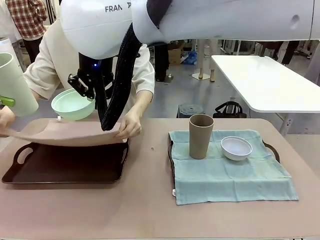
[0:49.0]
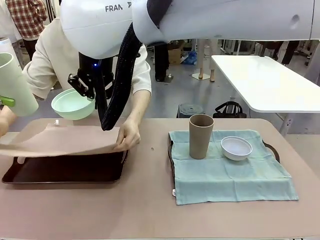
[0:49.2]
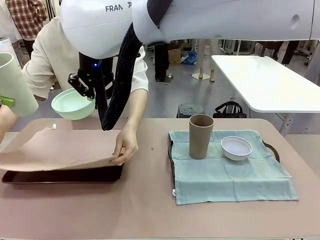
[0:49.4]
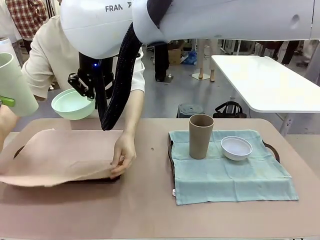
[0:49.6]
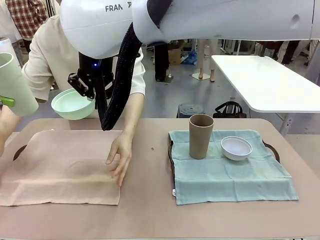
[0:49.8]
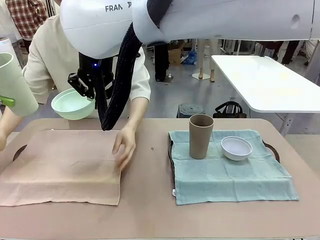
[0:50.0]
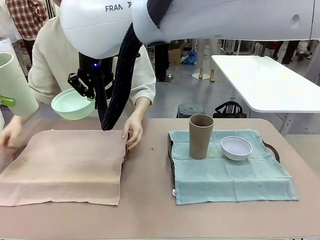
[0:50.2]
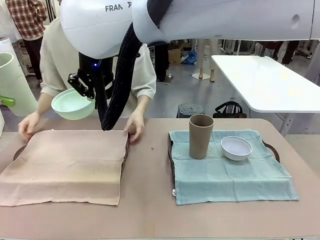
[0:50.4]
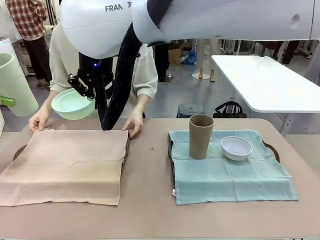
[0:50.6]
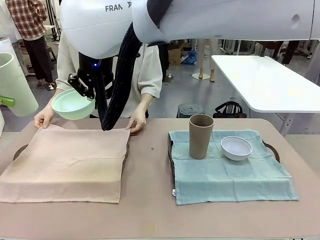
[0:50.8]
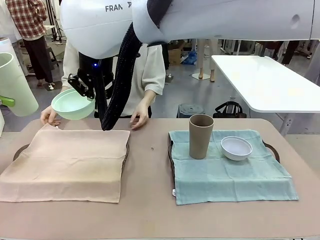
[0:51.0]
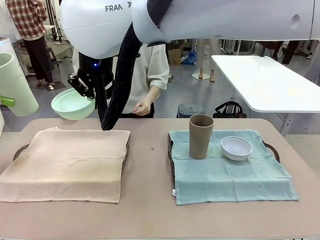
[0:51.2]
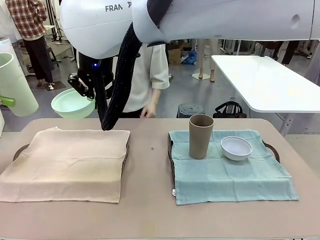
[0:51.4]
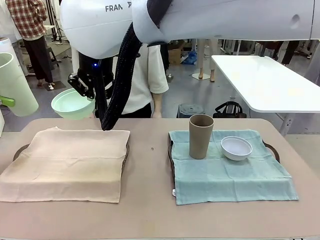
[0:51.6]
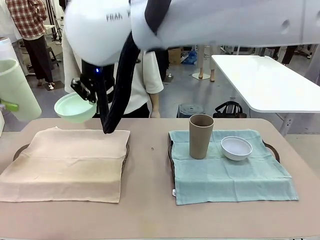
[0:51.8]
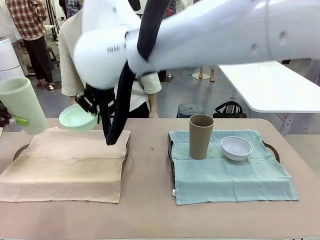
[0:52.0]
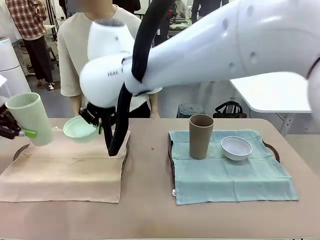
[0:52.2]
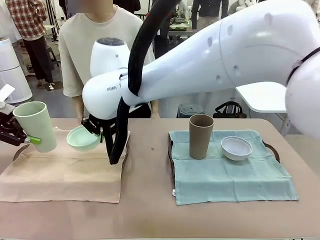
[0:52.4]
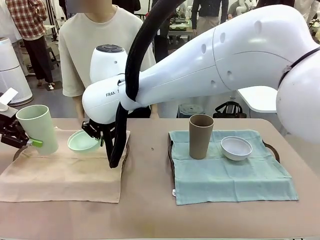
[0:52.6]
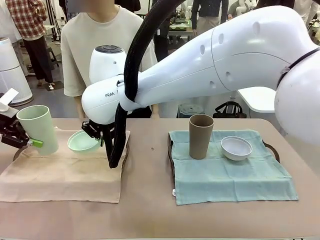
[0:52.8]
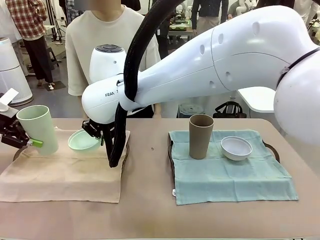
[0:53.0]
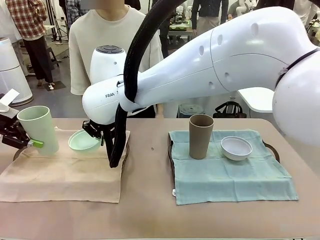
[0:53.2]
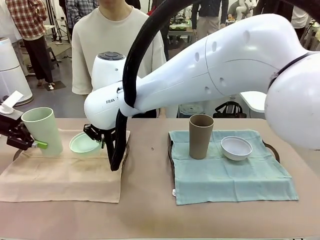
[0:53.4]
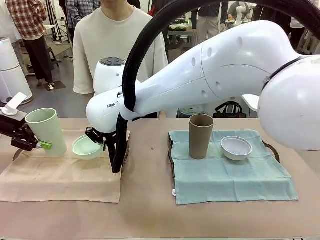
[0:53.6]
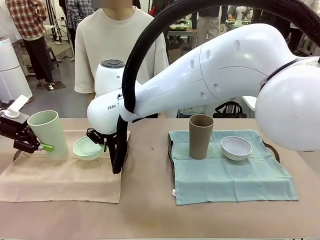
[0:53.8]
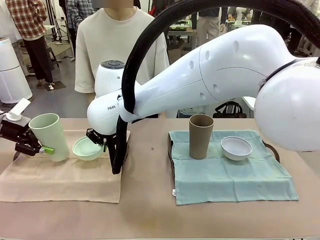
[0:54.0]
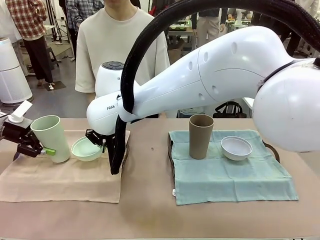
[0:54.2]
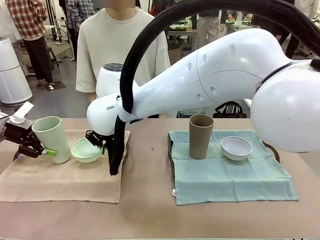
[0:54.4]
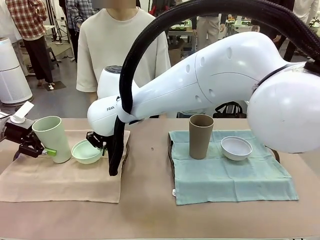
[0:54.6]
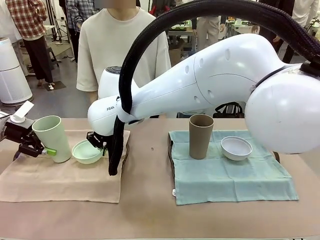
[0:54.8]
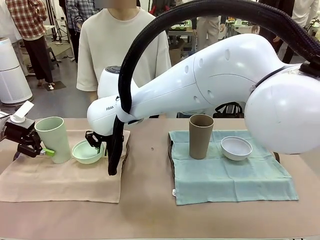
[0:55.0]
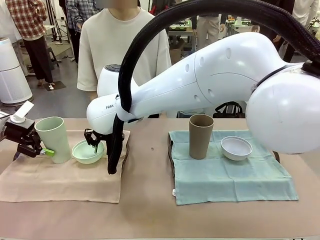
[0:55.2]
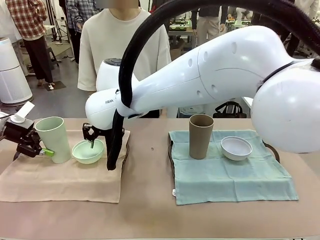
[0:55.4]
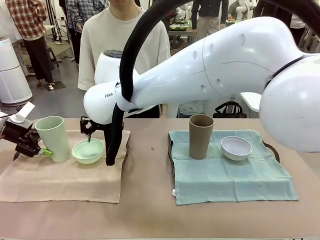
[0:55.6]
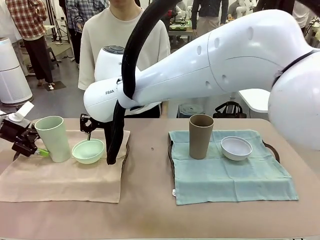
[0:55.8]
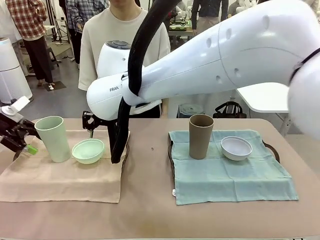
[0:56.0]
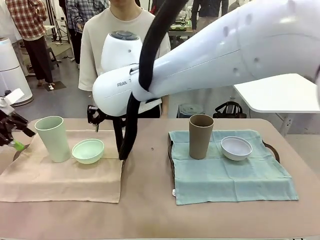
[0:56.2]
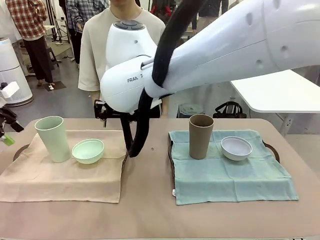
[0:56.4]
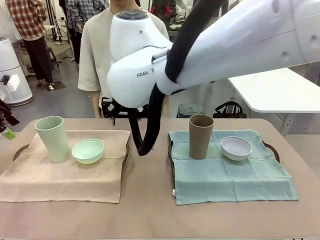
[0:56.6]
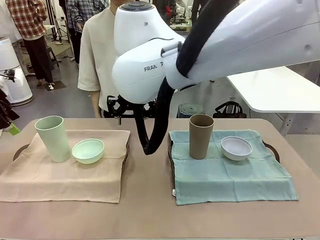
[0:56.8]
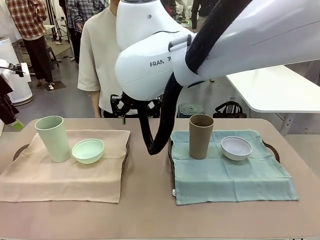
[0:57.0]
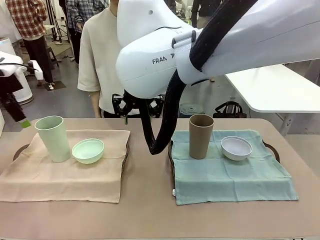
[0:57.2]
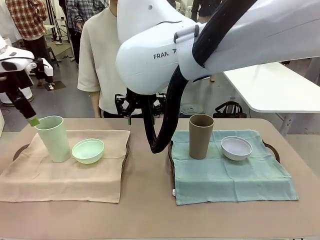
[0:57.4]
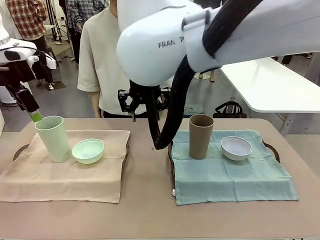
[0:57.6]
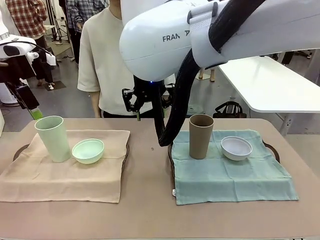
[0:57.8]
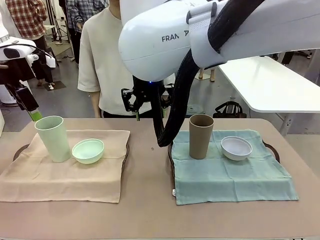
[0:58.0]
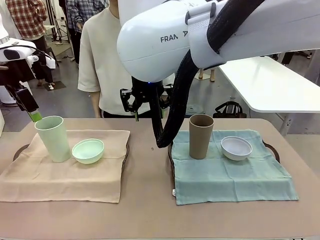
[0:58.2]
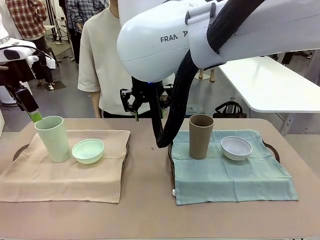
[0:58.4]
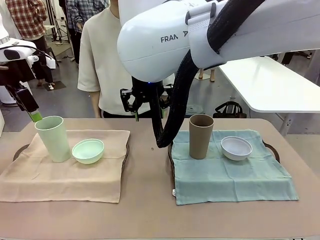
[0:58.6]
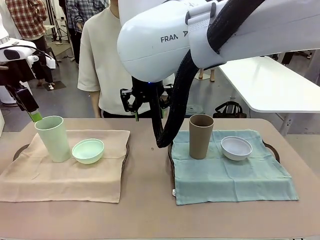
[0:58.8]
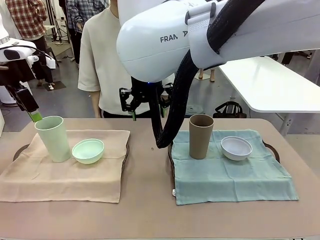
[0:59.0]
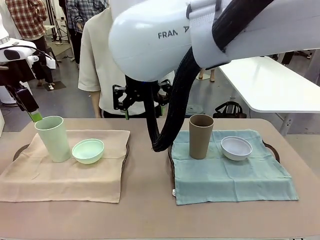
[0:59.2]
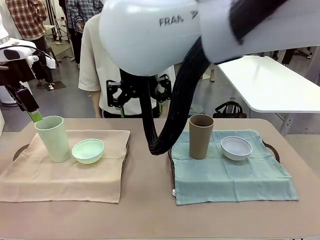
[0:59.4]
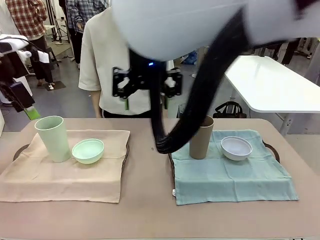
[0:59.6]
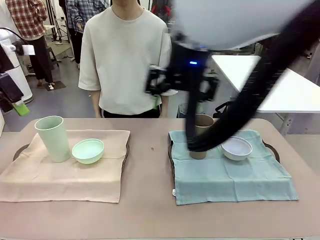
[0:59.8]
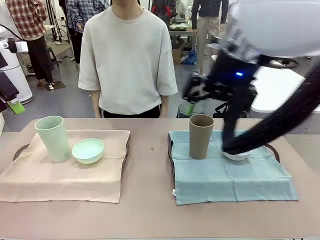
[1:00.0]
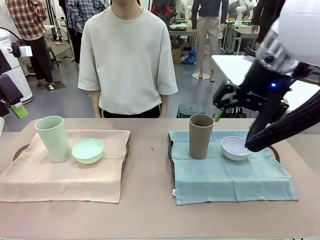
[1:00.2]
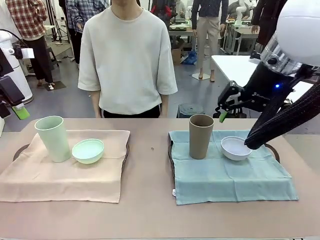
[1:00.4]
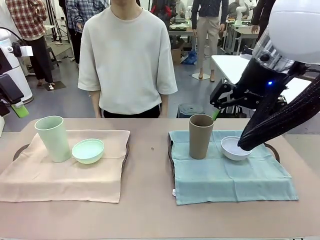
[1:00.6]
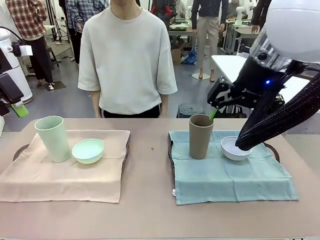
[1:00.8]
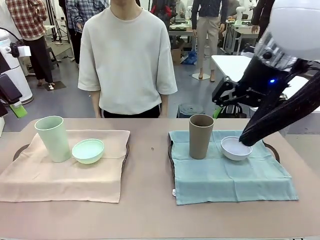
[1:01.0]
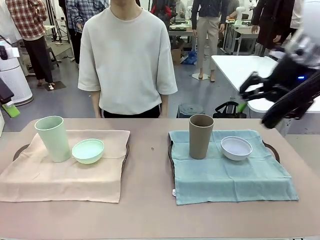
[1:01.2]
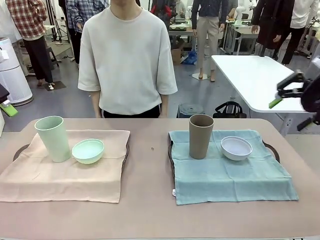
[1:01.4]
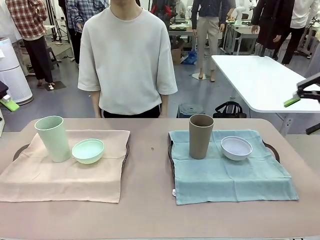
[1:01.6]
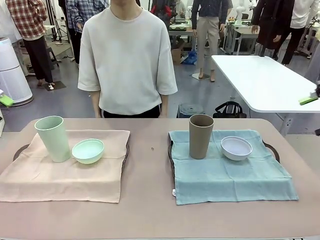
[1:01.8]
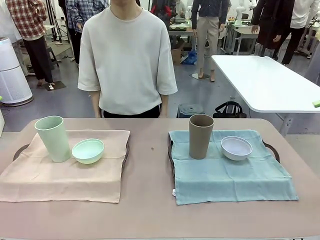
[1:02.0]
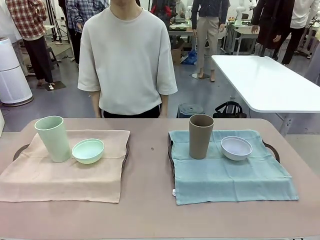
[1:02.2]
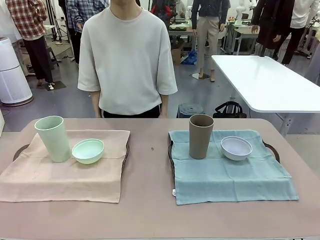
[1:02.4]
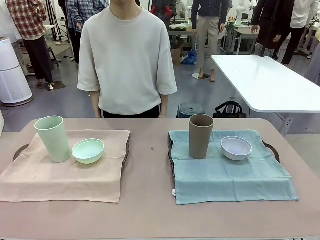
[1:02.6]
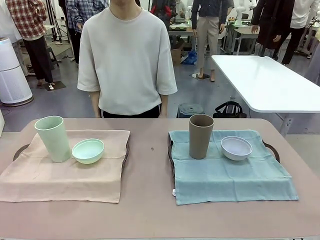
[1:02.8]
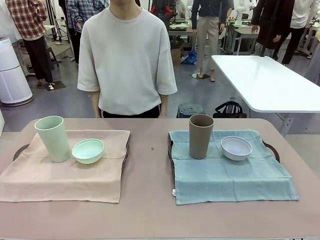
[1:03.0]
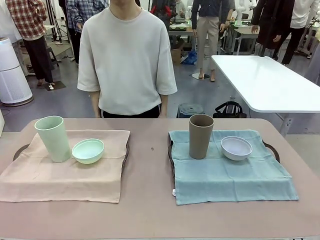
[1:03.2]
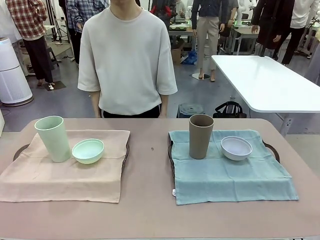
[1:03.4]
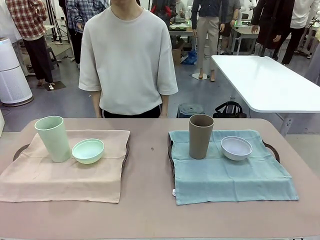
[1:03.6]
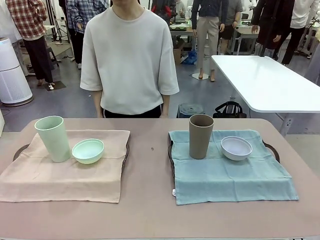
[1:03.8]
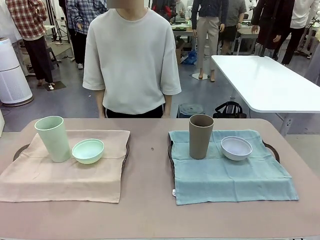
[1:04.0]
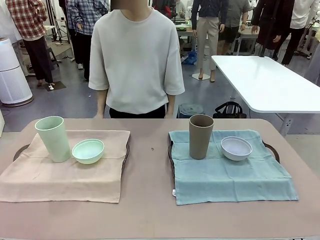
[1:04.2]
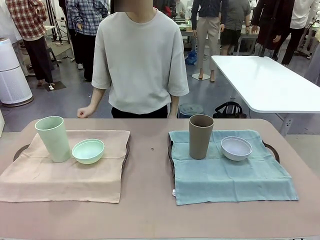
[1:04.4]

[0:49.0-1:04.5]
Robot: Place the Picnic Bowl and Reusable plastic cup back onto the Handle tray in front of the human's position.
